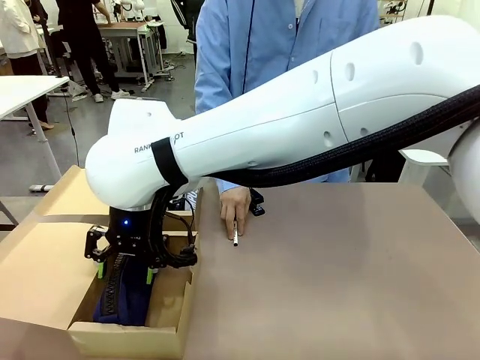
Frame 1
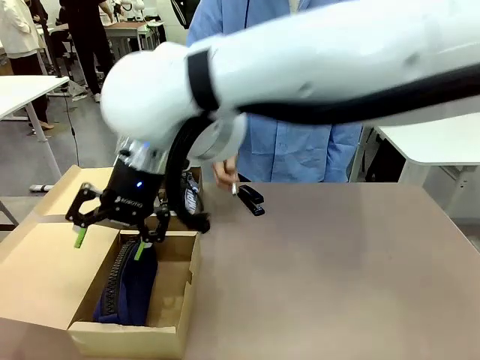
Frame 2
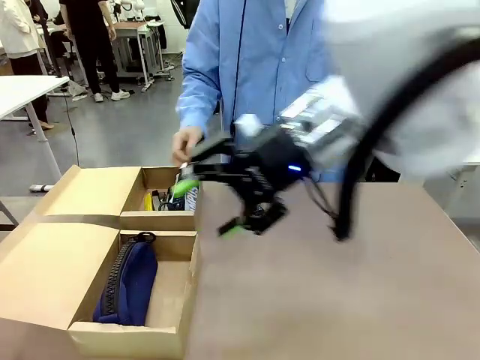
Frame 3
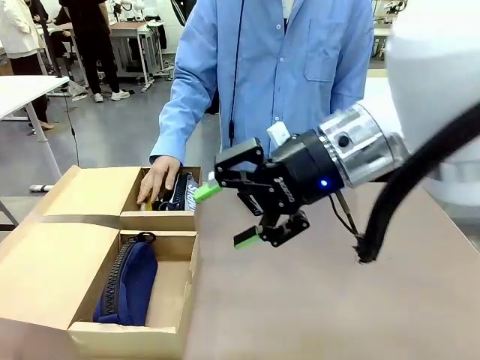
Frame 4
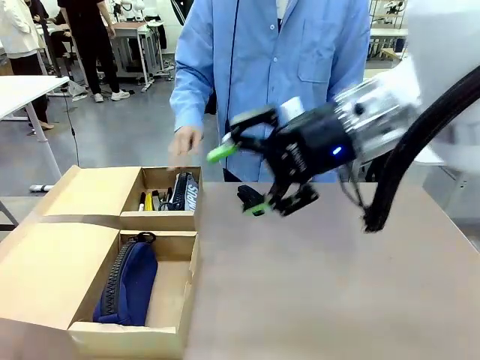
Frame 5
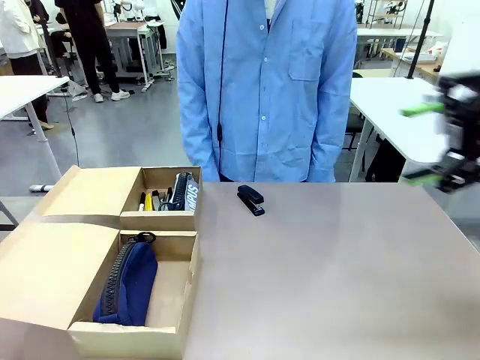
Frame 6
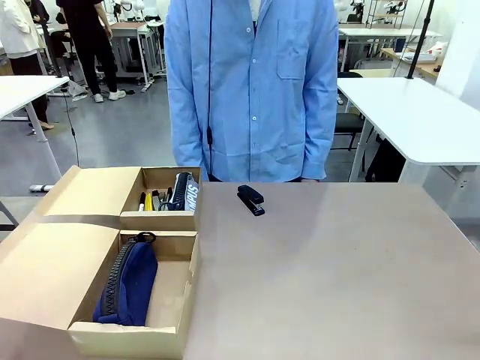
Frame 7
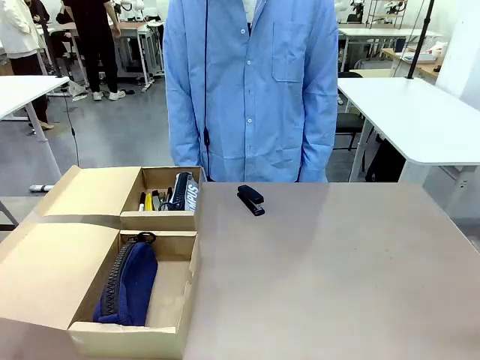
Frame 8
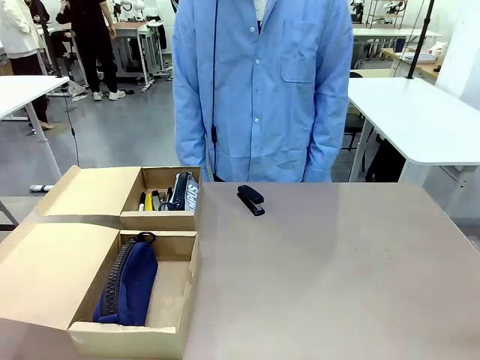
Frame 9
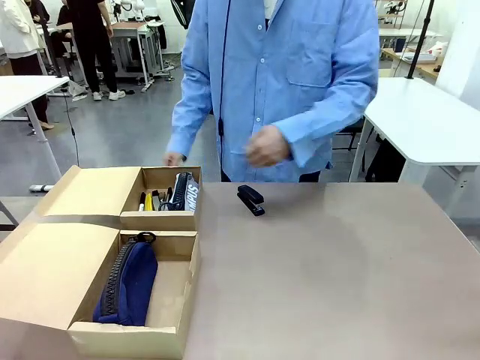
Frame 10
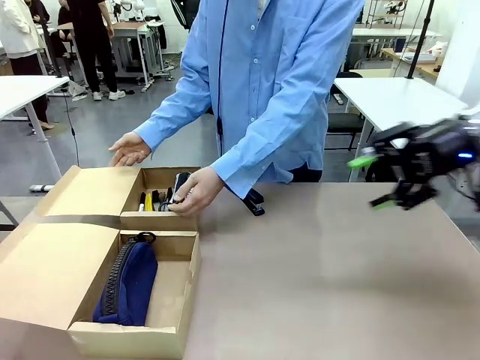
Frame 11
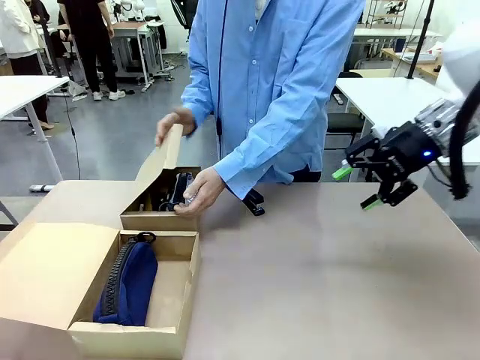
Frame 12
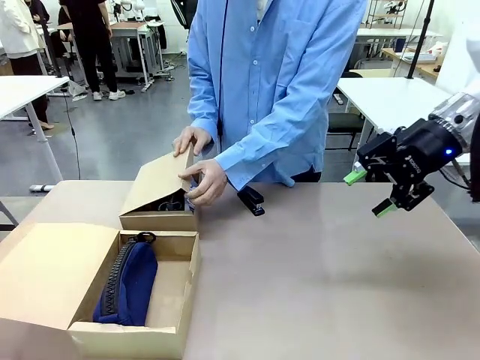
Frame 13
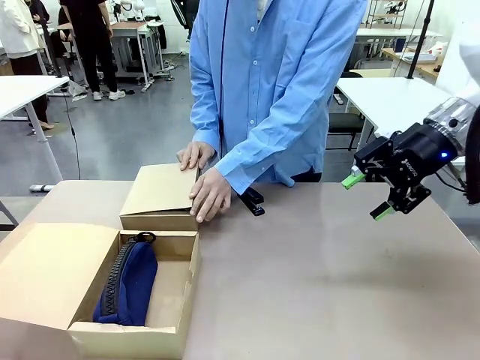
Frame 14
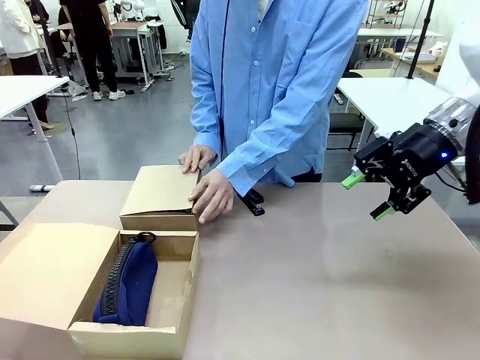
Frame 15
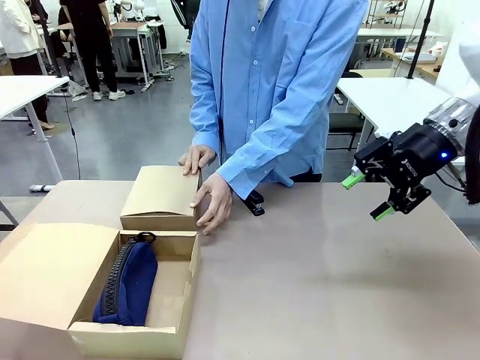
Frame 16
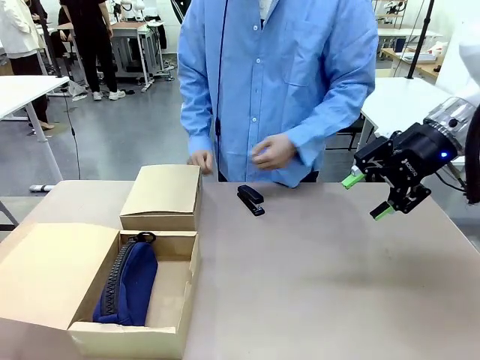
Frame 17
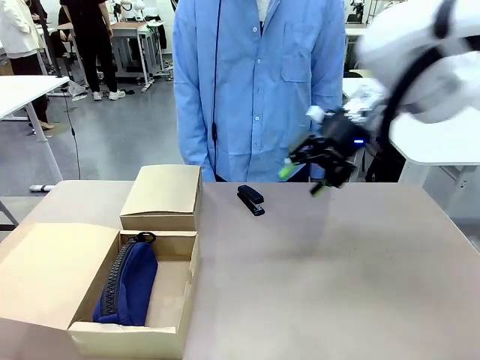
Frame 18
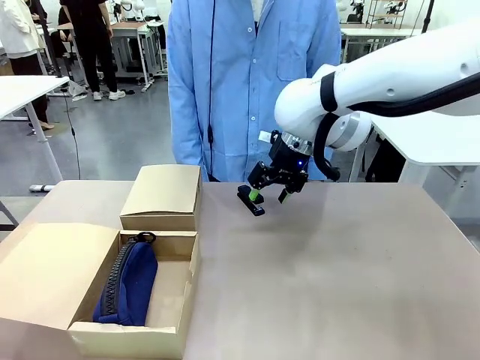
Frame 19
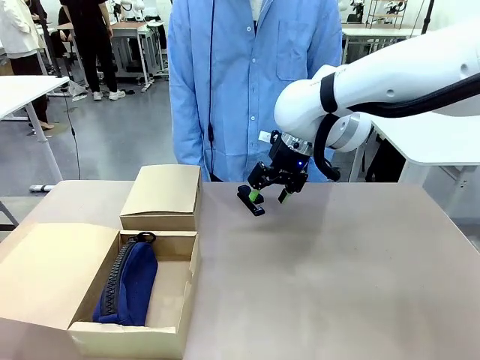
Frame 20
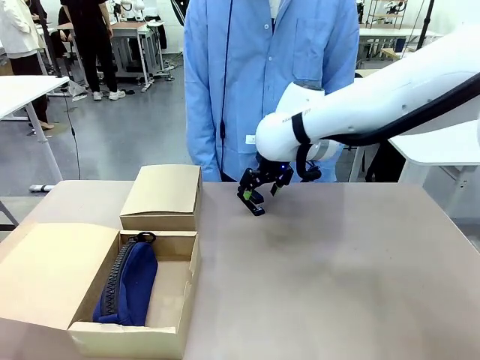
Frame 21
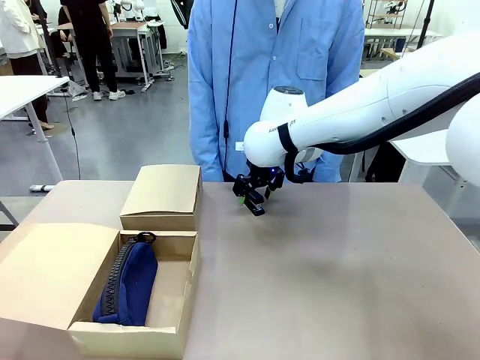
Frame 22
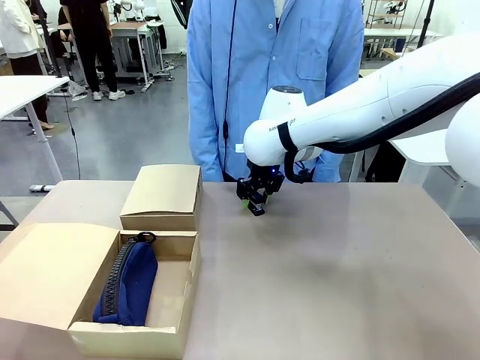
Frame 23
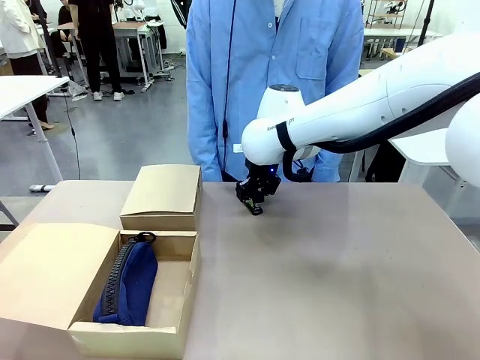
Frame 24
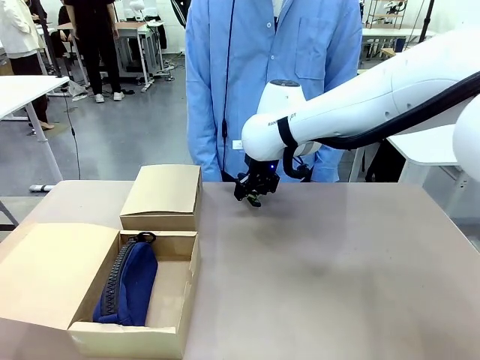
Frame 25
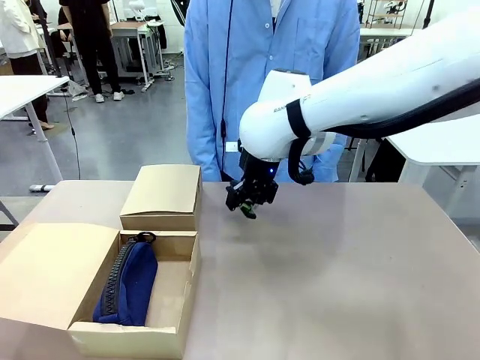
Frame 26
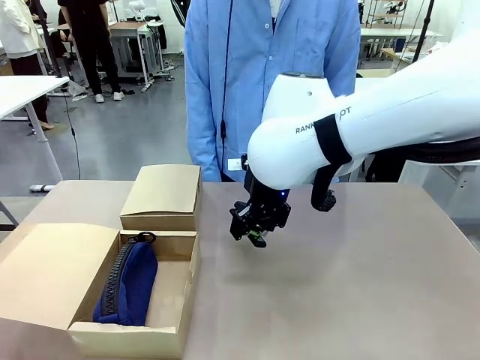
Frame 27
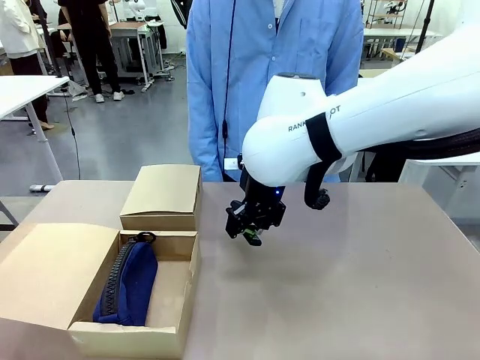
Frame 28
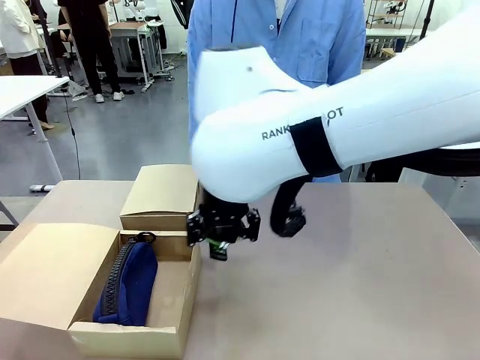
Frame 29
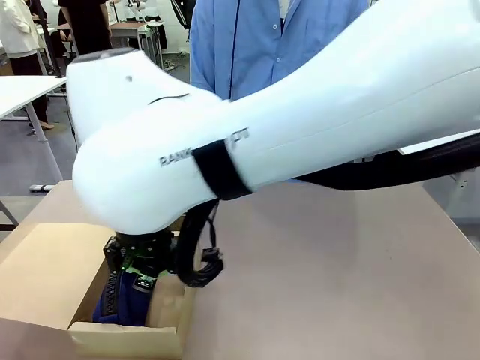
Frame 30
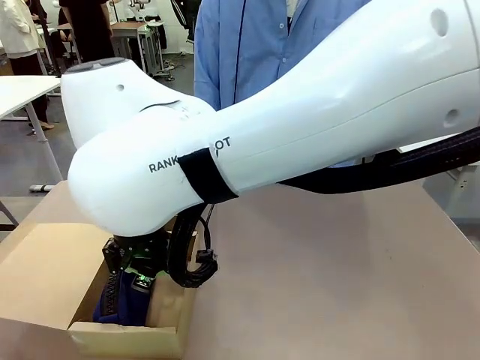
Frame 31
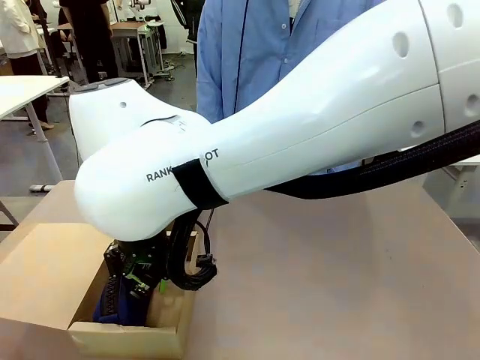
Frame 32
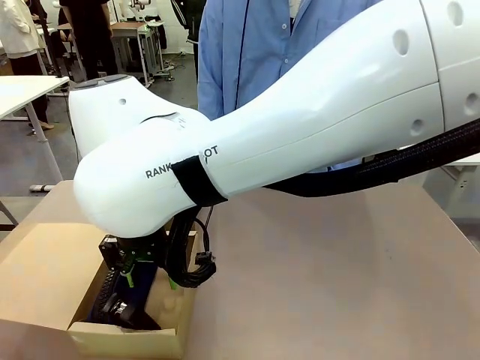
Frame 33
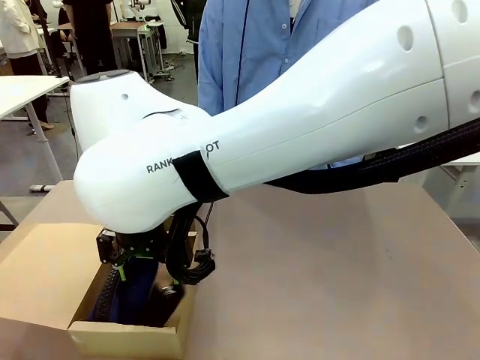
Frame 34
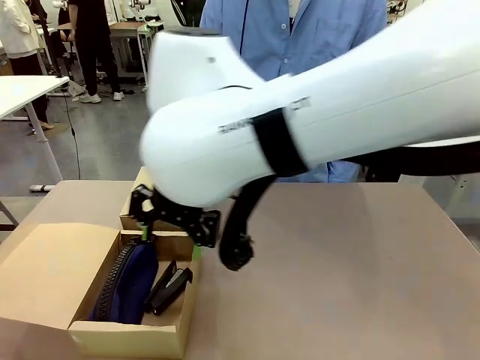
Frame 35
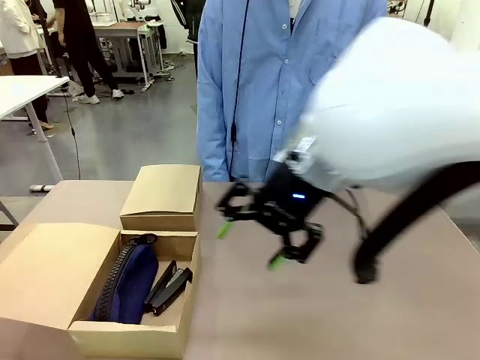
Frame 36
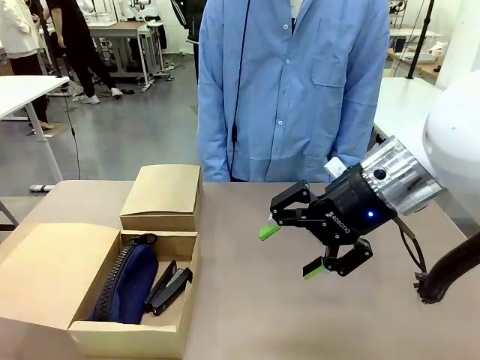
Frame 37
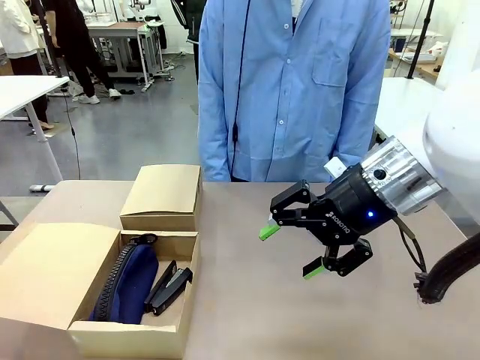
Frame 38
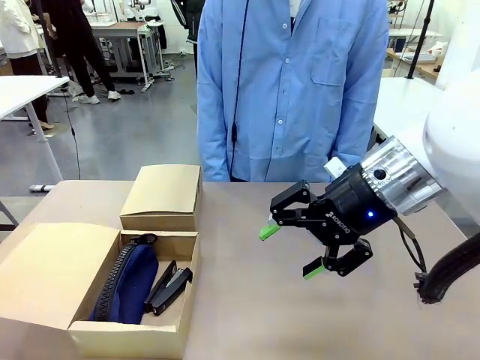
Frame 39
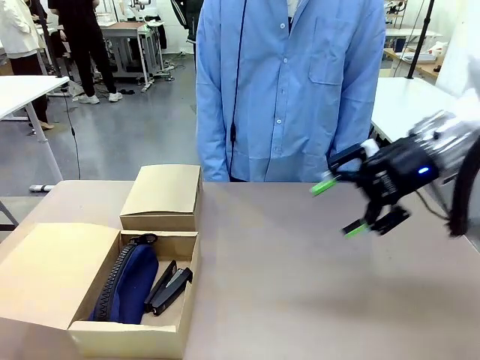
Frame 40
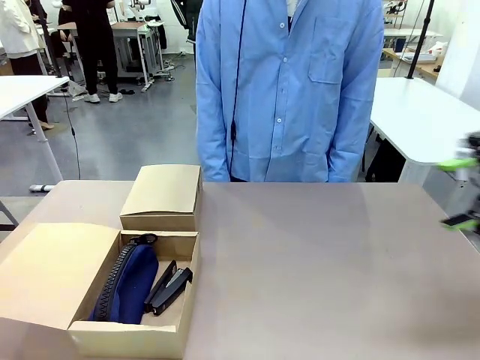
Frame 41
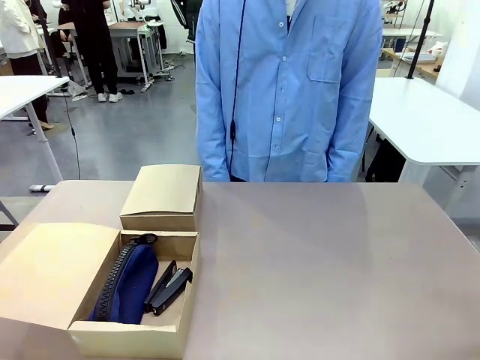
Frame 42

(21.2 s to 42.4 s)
Task: Place items inside the box.
Robot: Pick up a Pencil pouch or Stapler and place it inside the Mailer Box closest to the robot.
Person: Close the lid of the box facing the person.

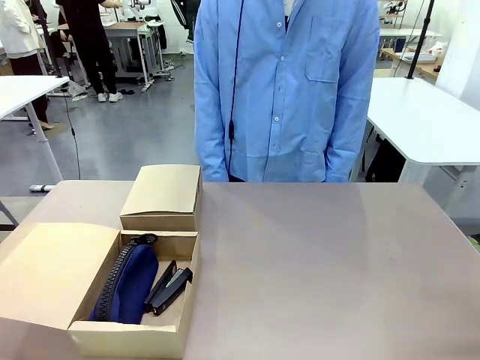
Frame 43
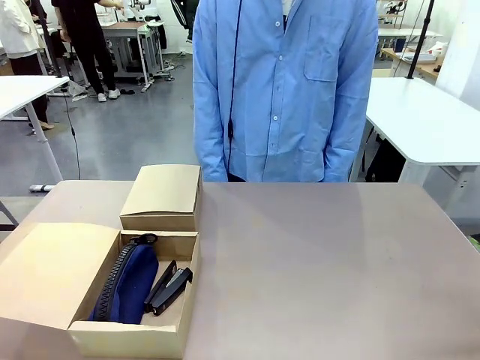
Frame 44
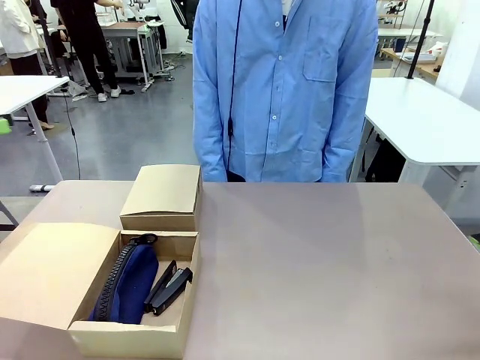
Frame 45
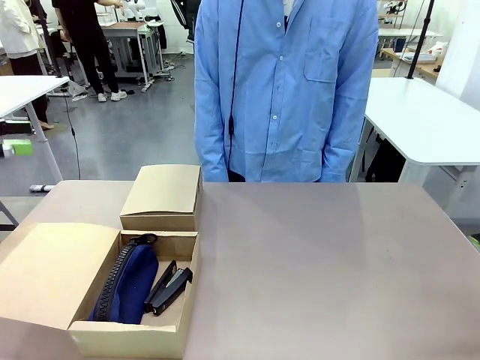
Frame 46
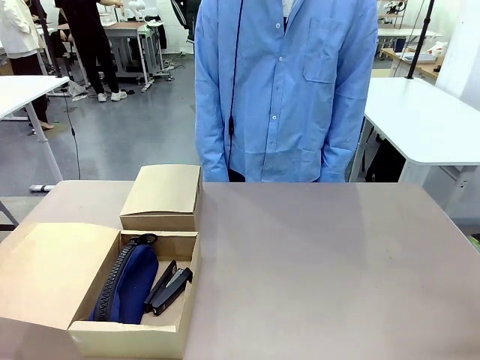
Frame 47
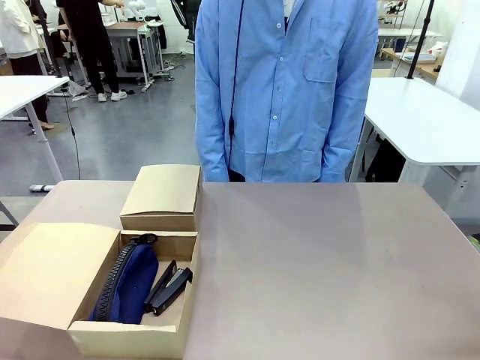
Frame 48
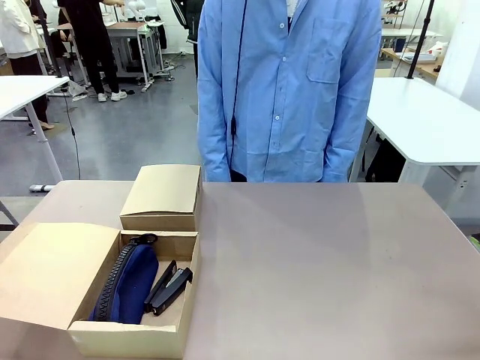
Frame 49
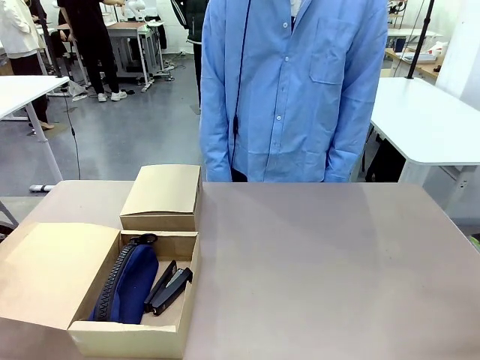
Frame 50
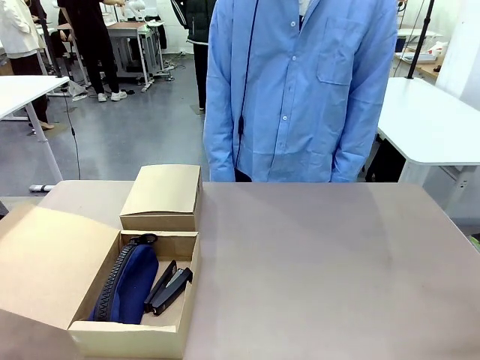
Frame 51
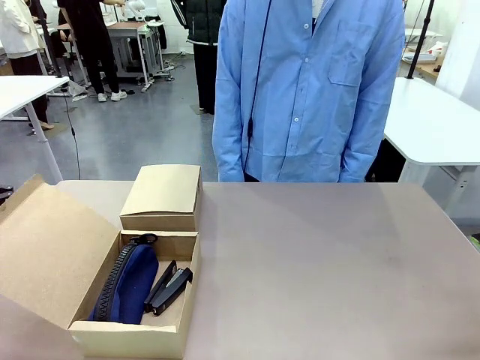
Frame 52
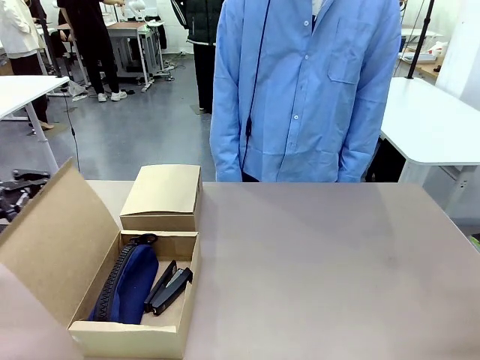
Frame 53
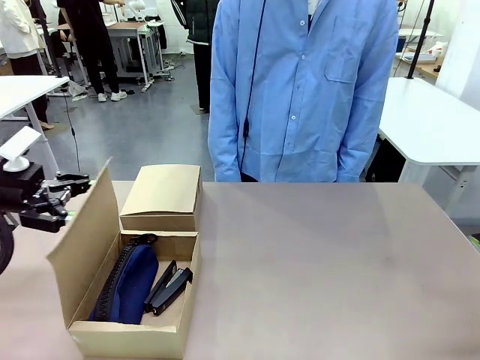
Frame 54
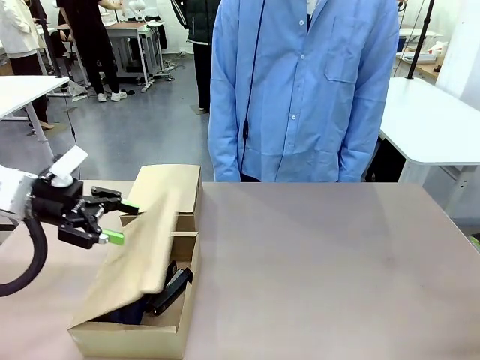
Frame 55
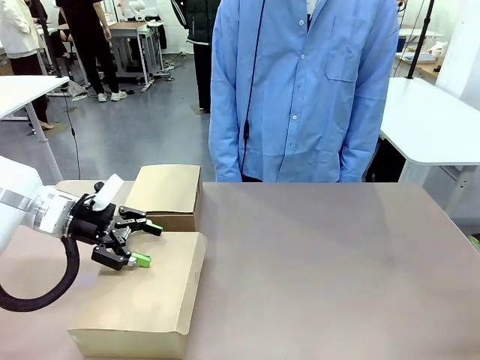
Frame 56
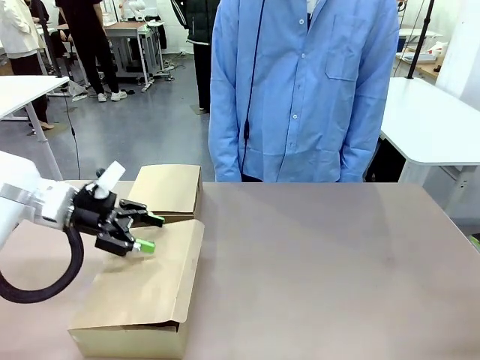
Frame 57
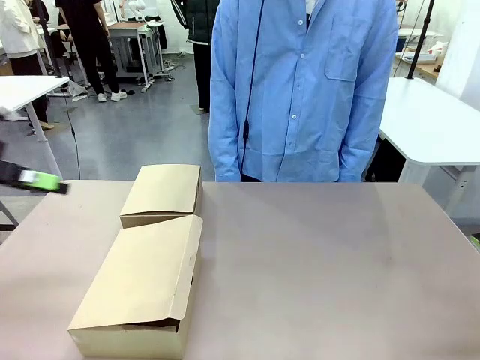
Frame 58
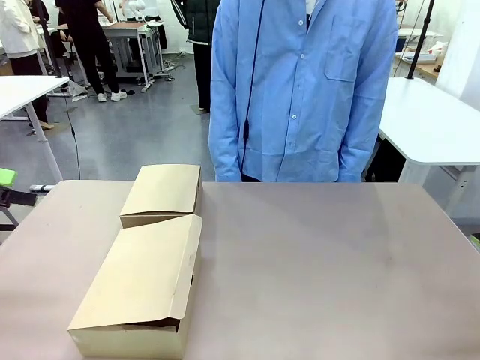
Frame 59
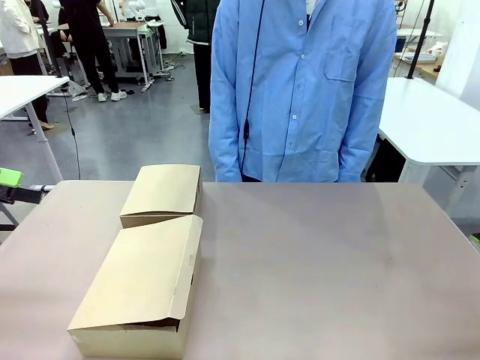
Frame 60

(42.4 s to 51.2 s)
Robot: Close the lid of the Mailer Box closest to the robot.
